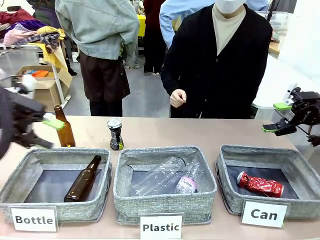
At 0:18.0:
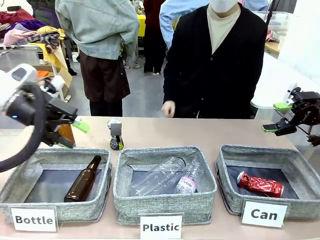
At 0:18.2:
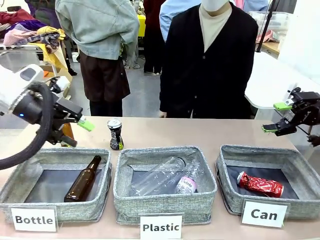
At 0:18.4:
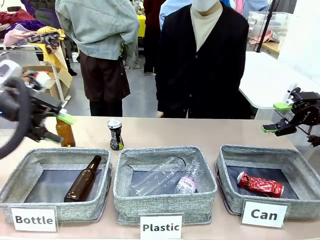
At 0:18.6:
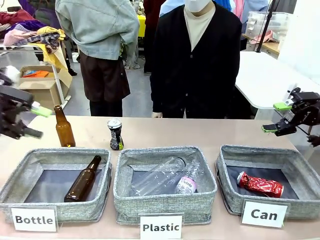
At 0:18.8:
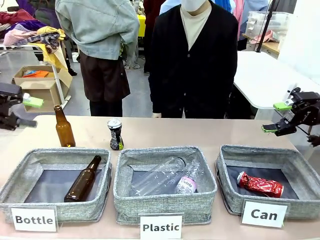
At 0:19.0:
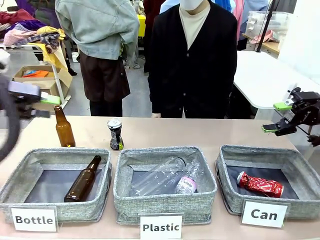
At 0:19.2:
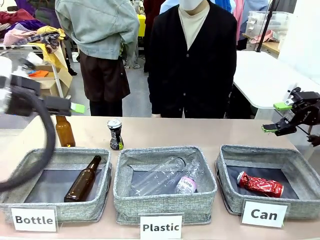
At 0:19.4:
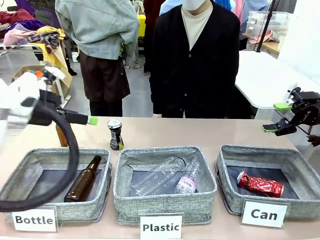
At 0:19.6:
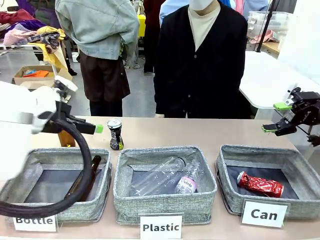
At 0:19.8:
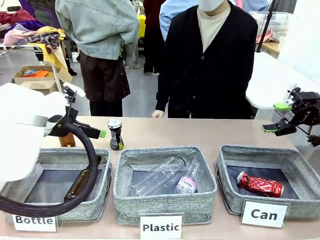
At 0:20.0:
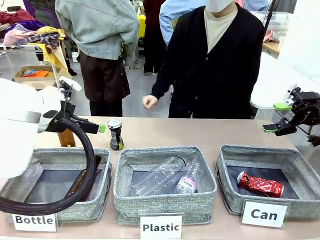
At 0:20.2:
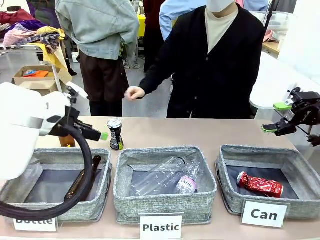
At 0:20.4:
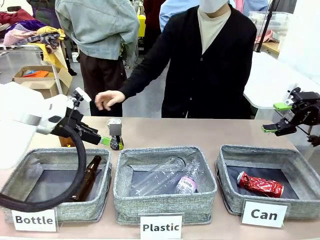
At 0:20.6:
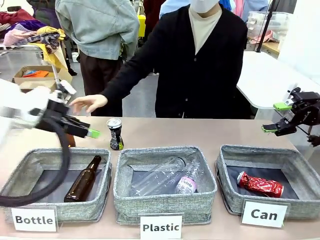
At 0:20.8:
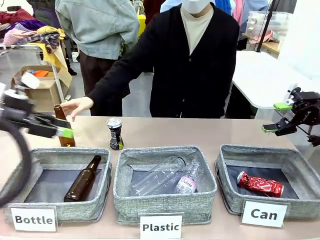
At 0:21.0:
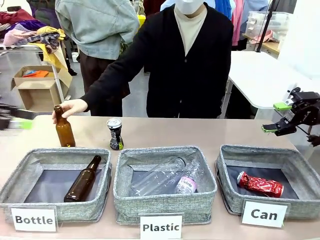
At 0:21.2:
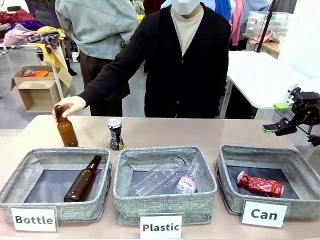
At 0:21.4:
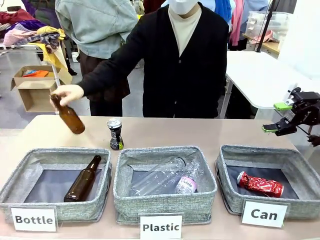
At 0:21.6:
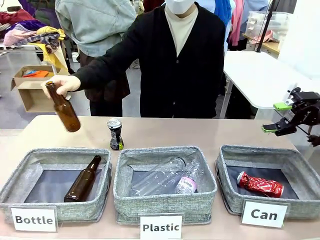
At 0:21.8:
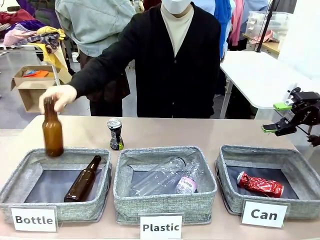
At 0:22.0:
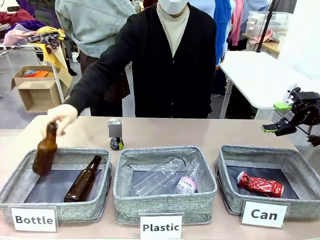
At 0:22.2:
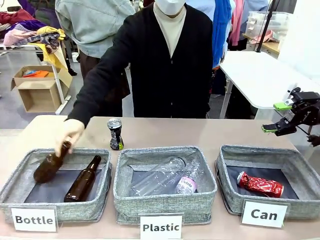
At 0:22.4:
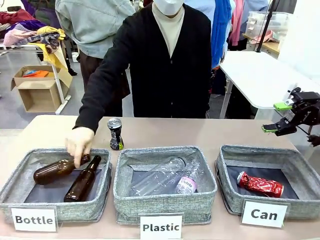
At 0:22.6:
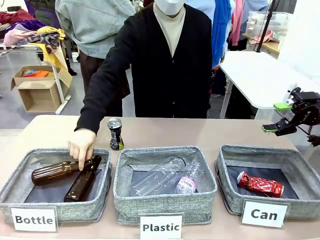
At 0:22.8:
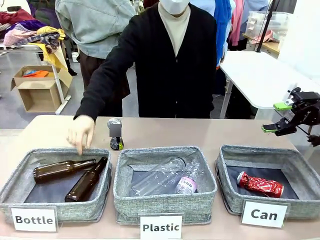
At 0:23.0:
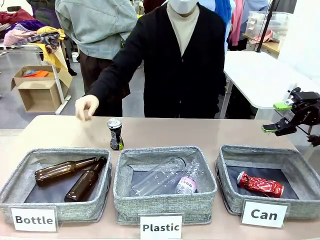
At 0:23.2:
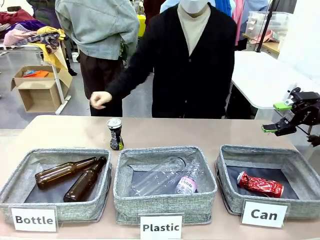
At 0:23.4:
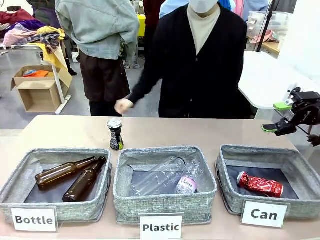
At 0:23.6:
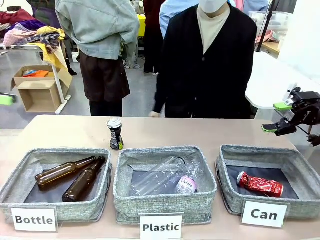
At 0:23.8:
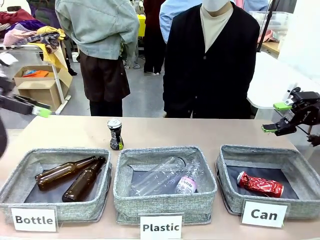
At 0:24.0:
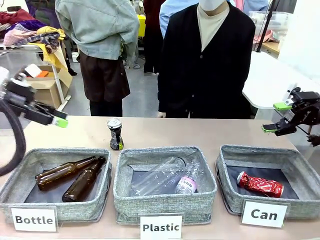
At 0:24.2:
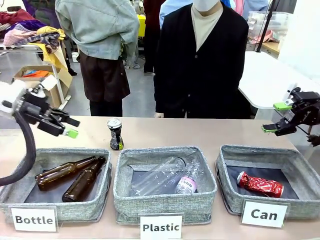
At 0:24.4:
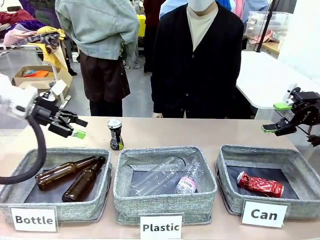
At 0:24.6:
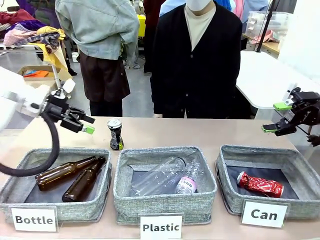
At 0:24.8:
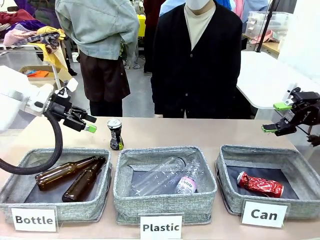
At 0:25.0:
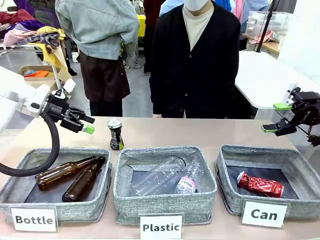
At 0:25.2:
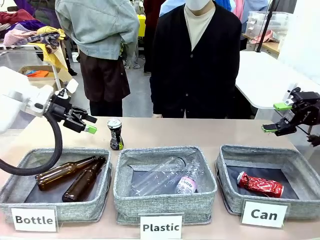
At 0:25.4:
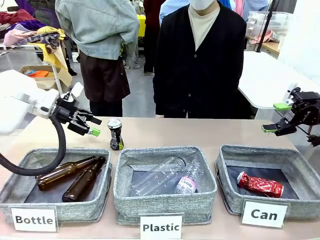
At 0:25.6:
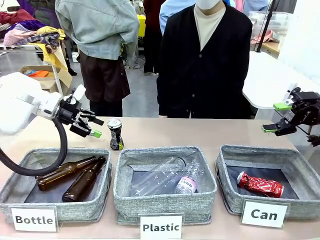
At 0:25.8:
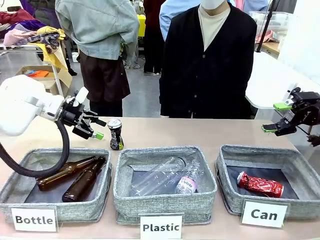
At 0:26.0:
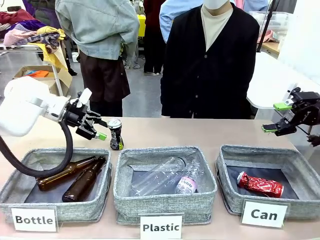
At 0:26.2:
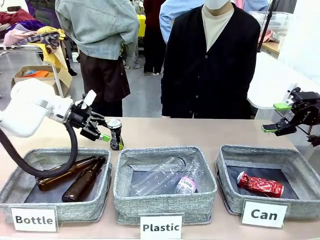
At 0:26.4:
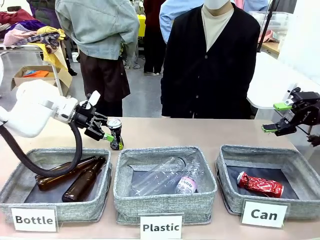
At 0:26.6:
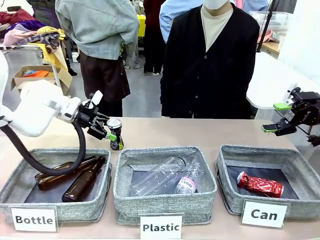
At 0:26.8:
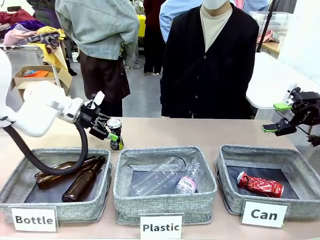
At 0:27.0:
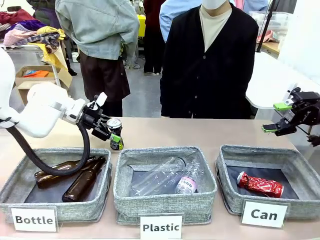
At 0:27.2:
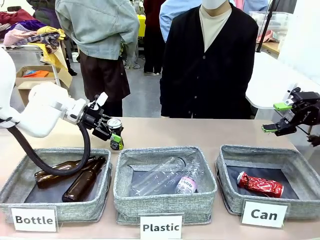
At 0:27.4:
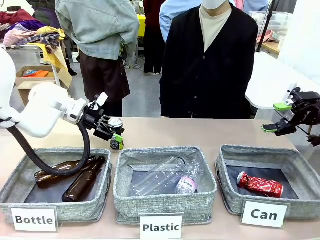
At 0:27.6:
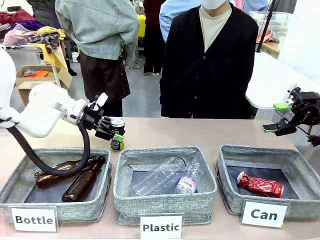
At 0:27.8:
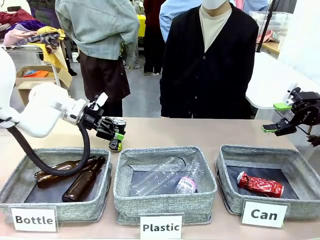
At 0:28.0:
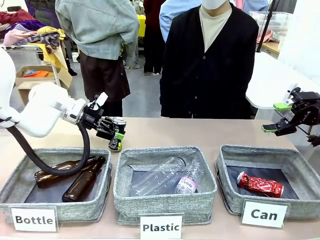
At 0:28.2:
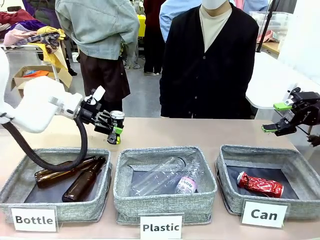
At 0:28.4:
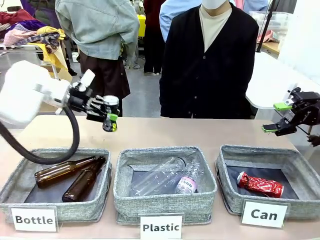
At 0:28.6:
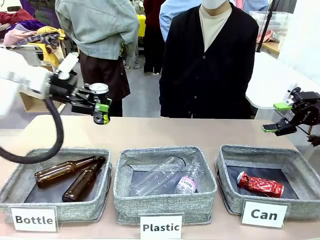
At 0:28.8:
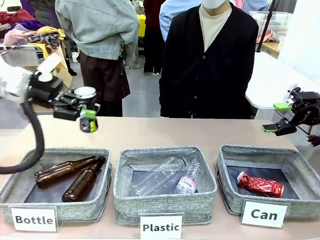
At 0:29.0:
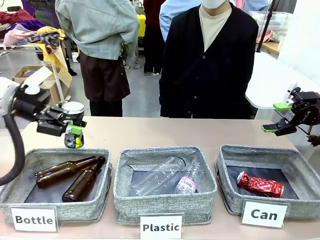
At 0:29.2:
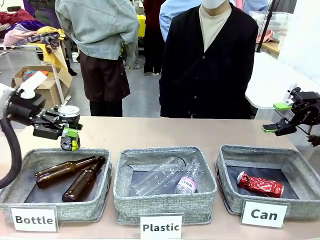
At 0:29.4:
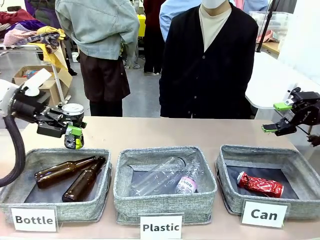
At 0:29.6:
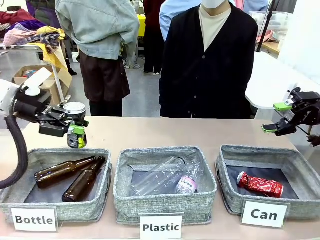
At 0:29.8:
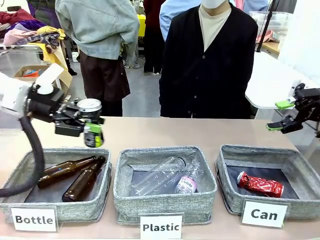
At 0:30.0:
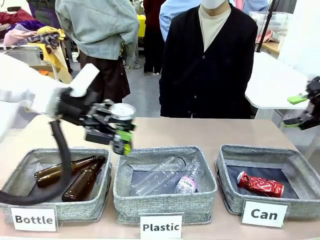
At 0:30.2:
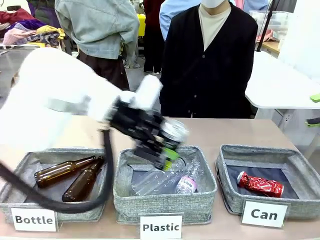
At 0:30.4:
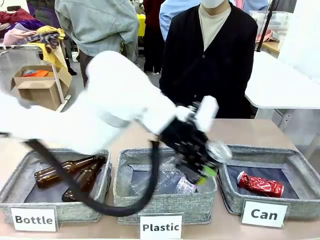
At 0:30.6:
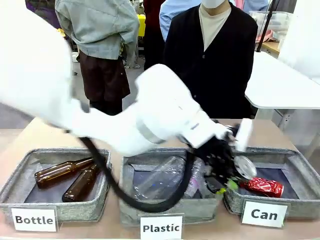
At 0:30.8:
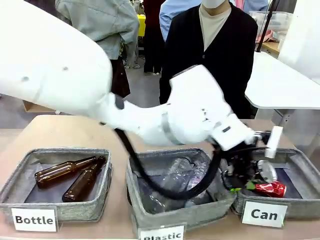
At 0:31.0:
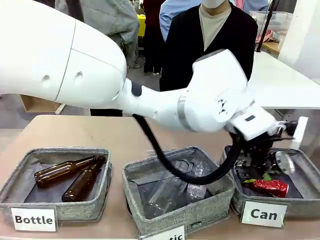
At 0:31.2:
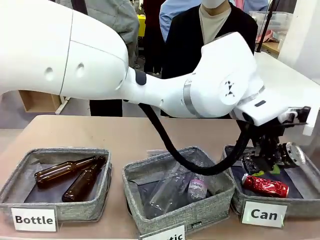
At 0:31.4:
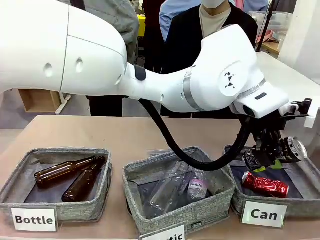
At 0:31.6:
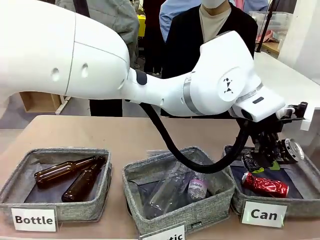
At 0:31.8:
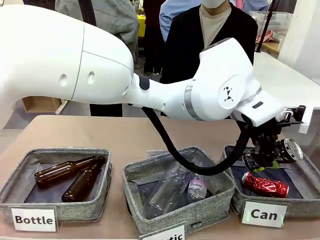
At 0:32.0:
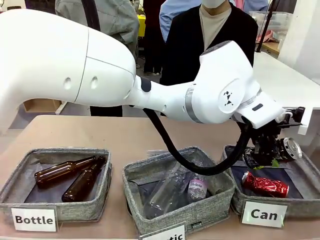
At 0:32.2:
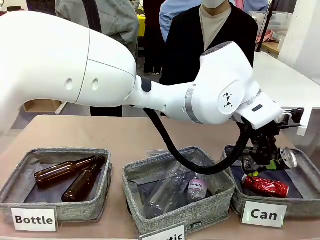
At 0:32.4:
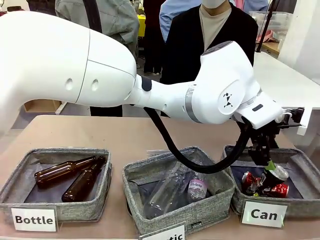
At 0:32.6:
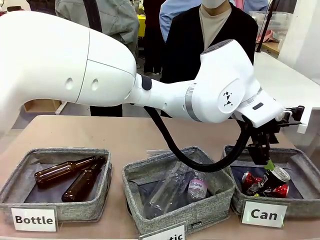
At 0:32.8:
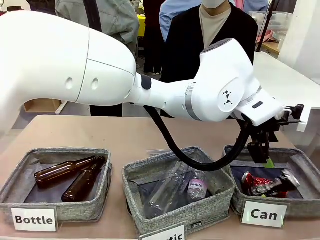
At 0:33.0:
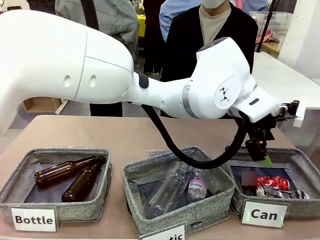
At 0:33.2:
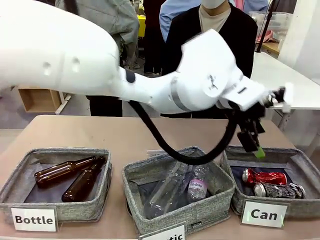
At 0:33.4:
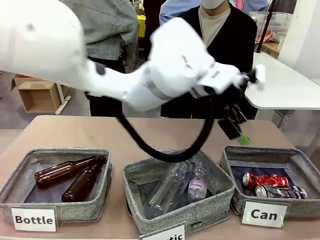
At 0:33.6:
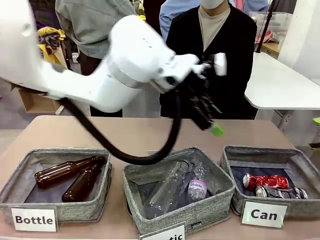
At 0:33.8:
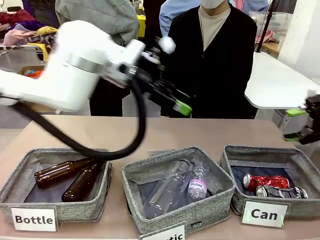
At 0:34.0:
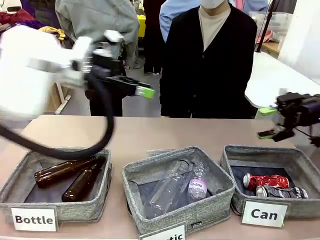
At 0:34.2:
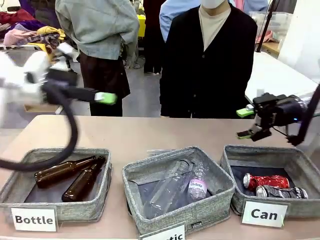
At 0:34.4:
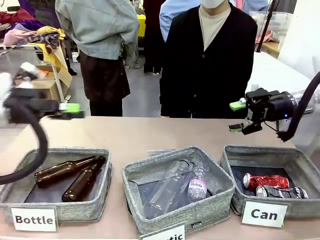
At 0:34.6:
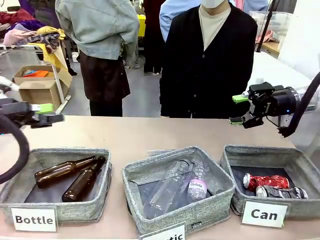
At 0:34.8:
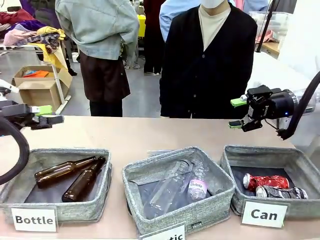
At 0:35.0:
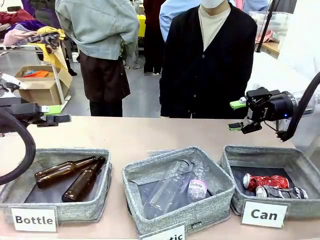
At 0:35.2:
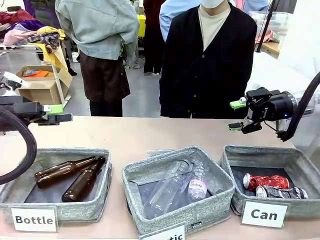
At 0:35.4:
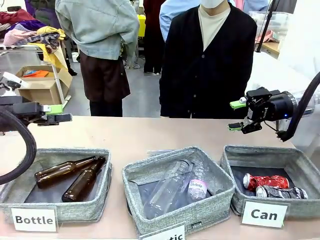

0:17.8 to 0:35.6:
Task: Sort the can waste into the basket.
Robot: Pick up the can waste from the table and place it in the right Fabric basket.
